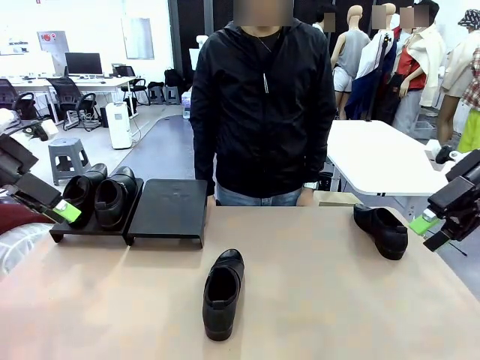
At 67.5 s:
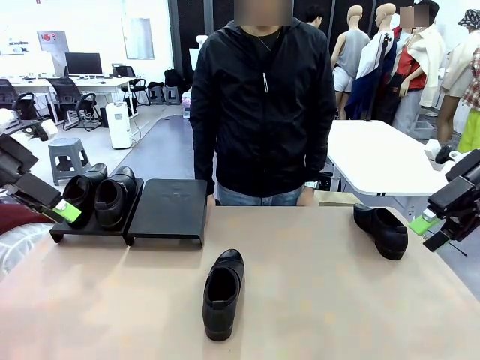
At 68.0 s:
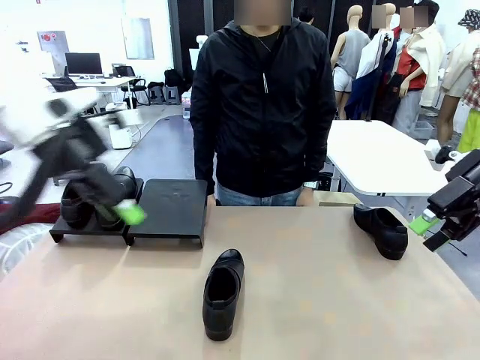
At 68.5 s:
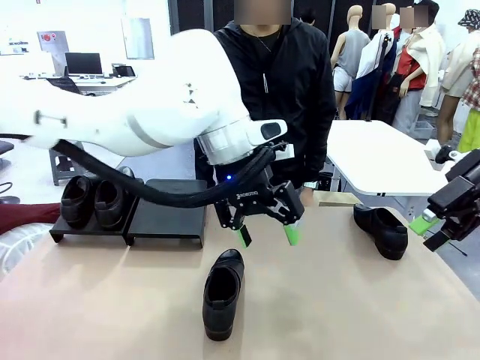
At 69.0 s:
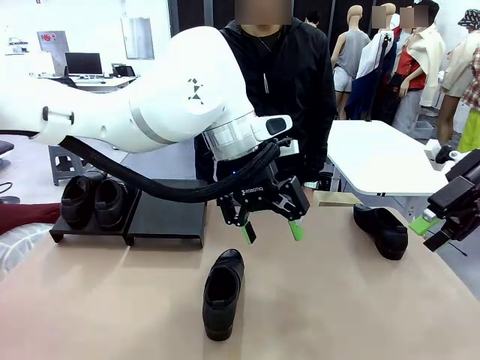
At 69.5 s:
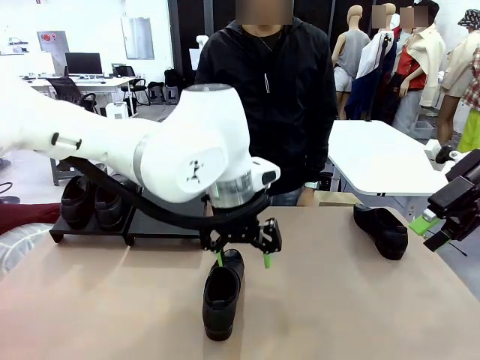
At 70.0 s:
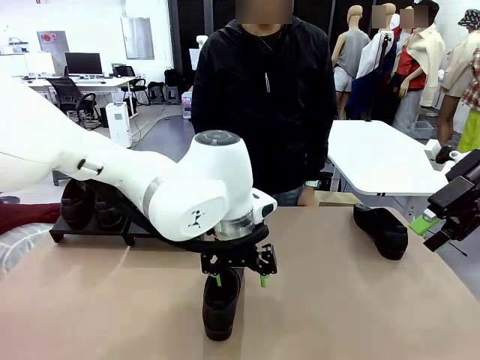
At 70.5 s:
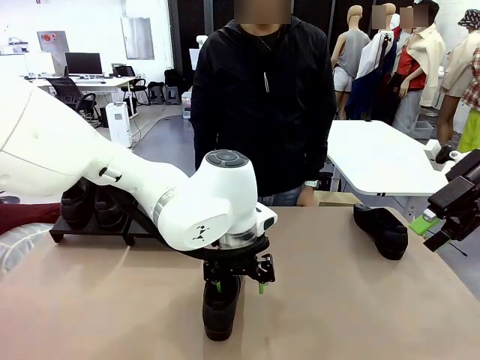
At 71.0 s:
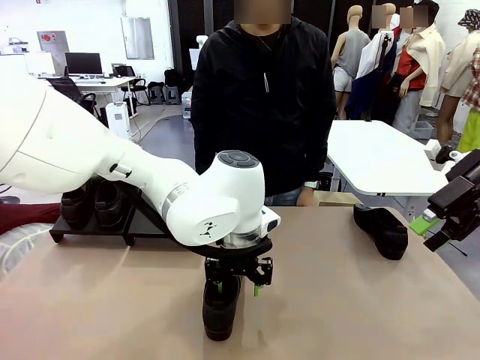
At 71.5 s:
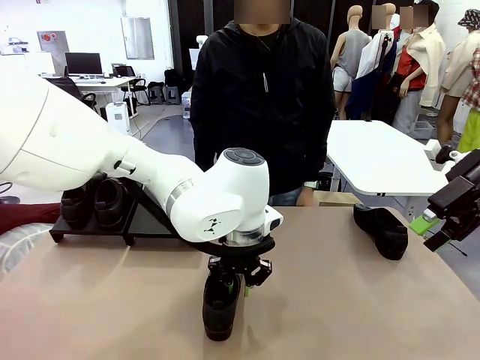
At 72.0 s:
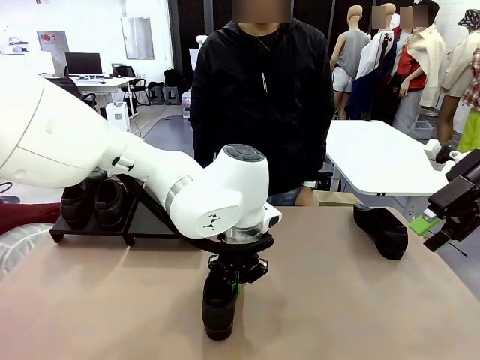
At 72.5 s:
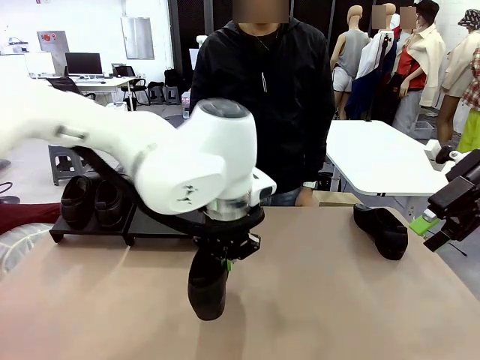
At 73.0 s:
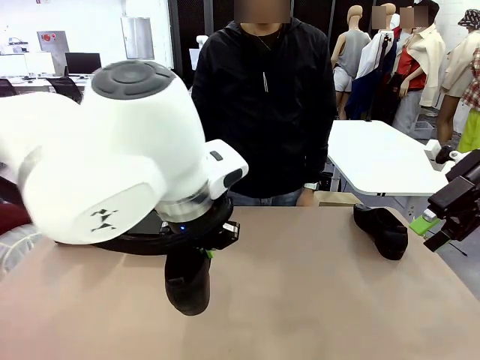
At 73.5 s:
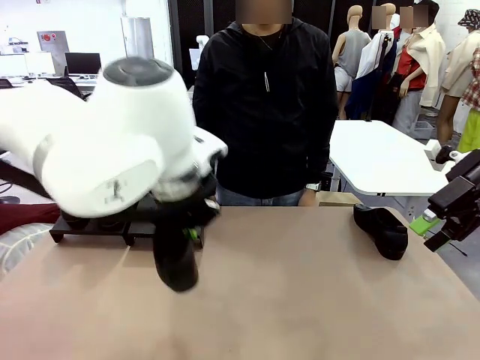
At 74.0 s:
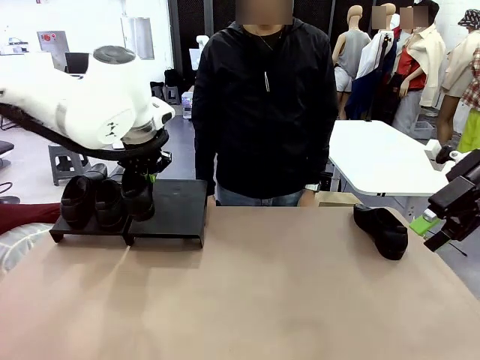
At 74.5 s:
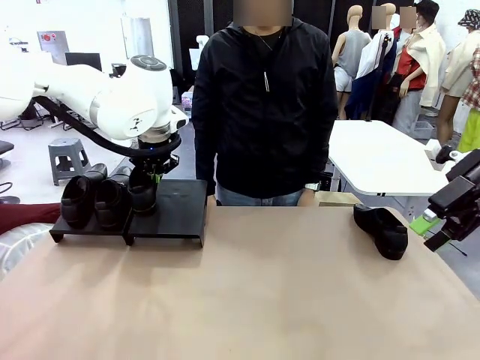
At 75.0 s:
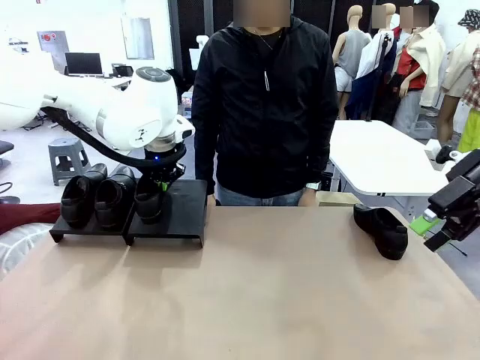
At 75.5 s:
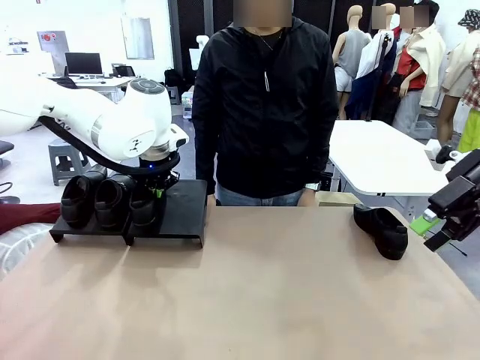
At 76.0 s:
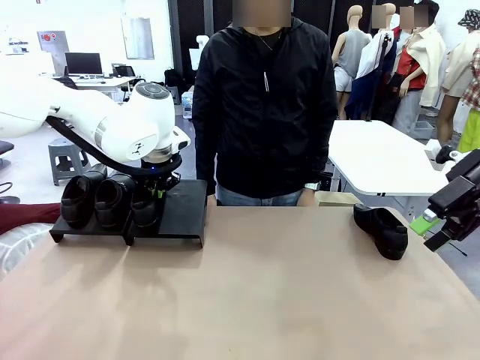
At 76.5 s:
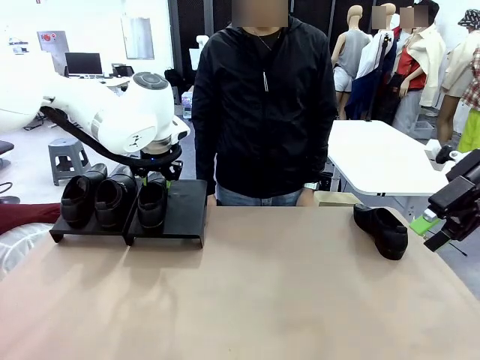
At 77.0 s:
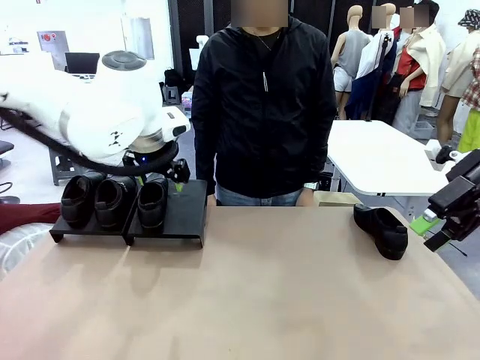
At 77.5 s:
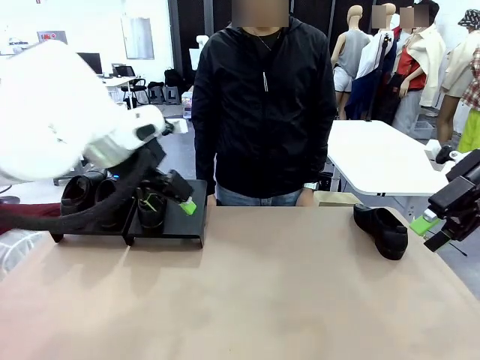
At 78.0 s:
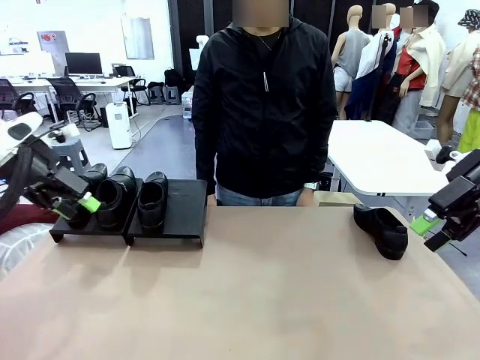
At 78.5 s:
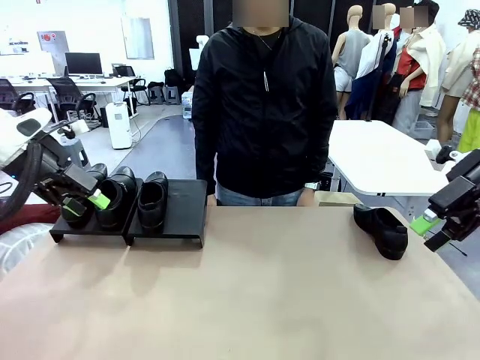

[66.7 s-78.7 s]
Task: Organize the shoes by placing them on the stand.
Robot: Place the Shoe from the middle of the table onto the Shoes Stand.

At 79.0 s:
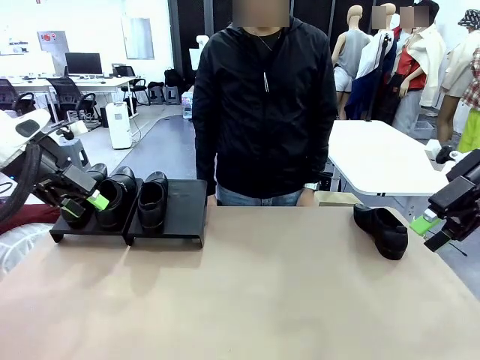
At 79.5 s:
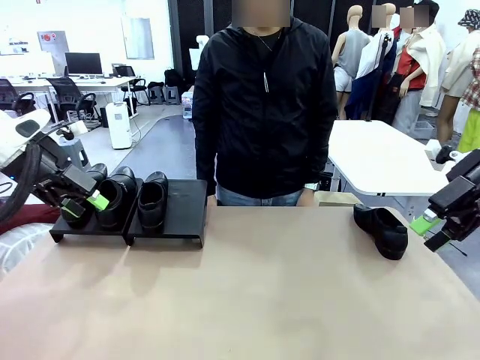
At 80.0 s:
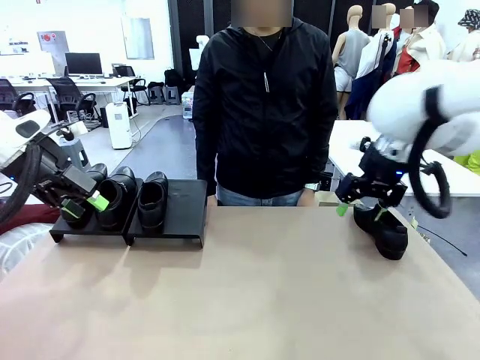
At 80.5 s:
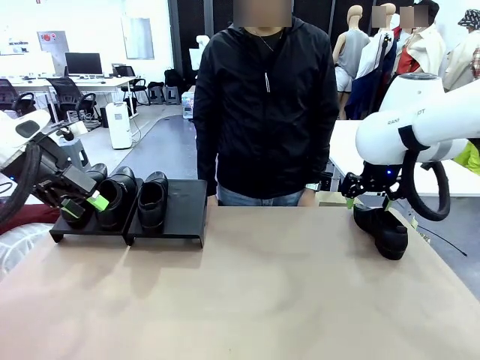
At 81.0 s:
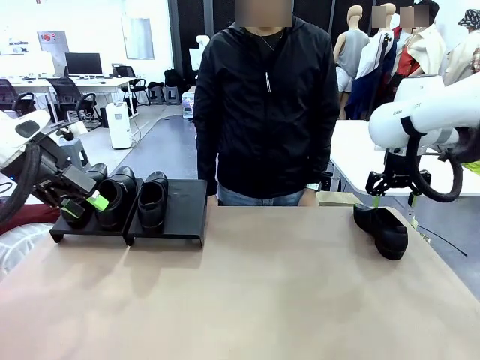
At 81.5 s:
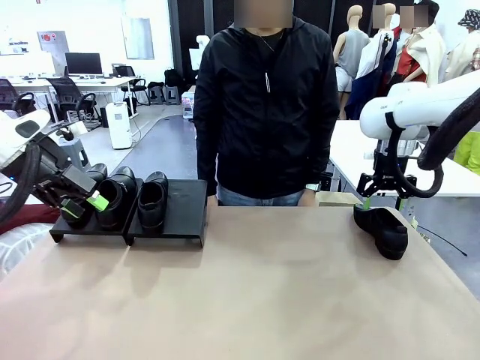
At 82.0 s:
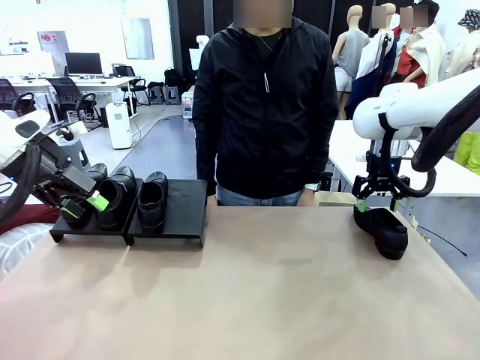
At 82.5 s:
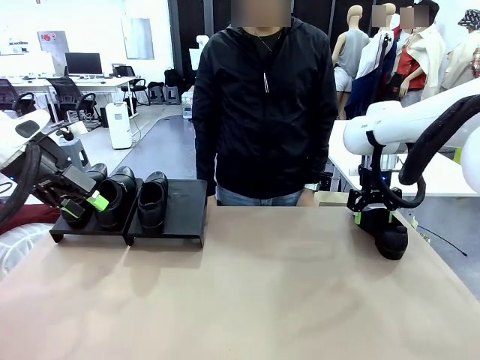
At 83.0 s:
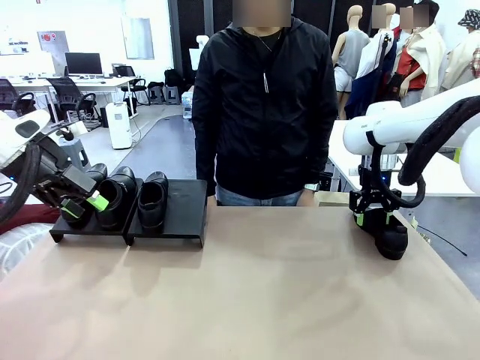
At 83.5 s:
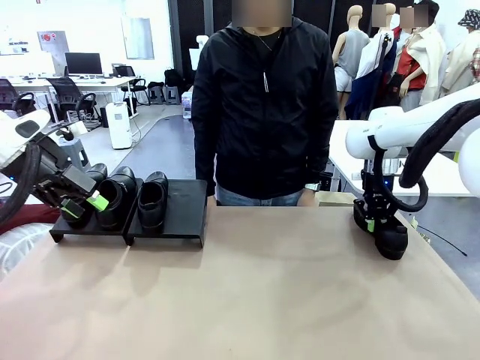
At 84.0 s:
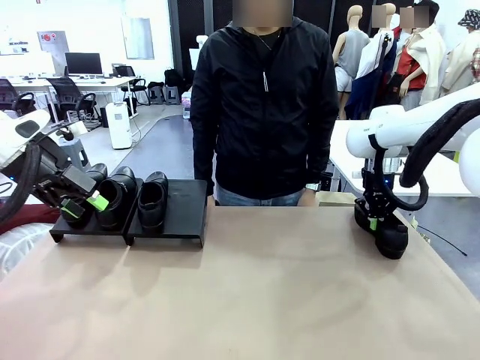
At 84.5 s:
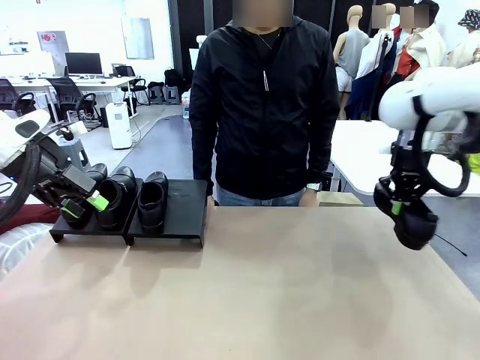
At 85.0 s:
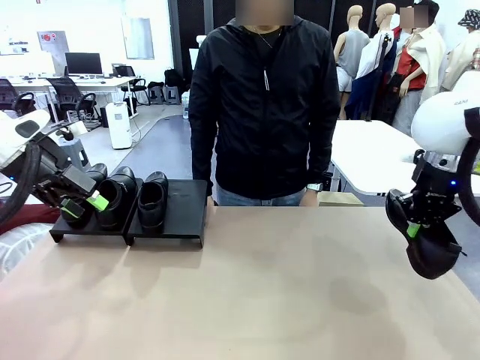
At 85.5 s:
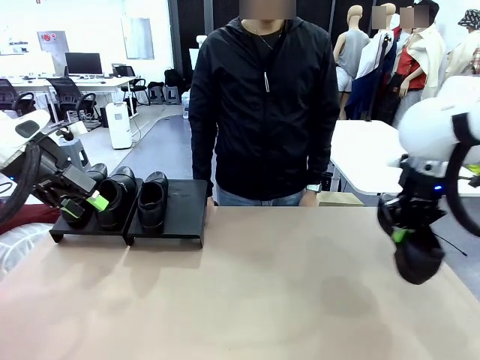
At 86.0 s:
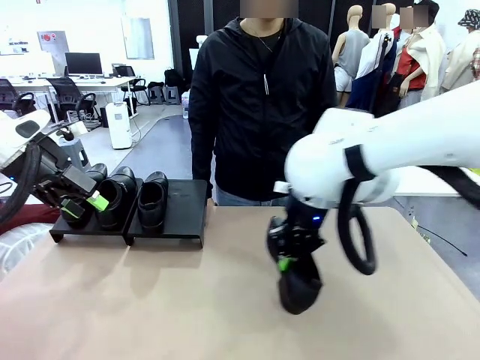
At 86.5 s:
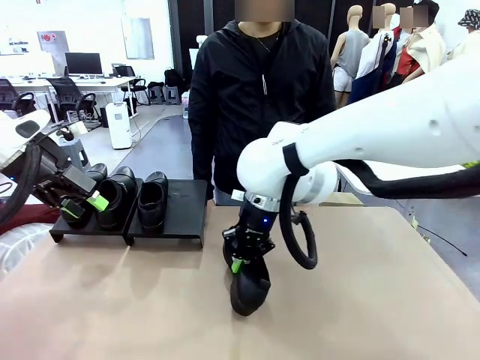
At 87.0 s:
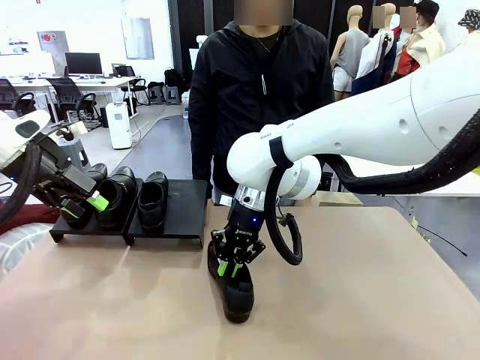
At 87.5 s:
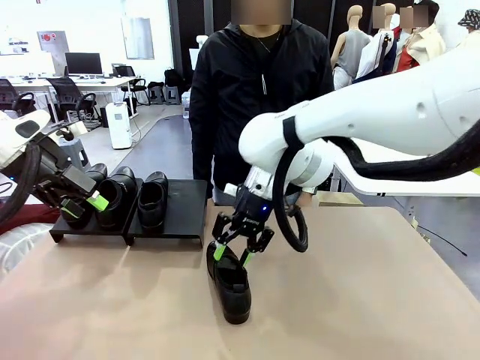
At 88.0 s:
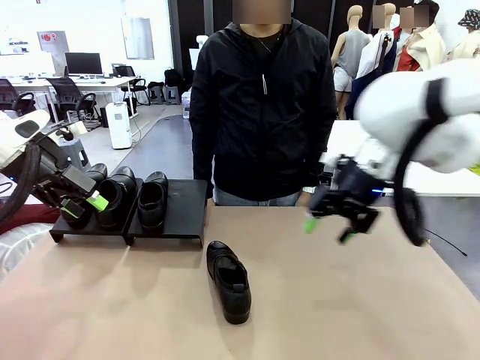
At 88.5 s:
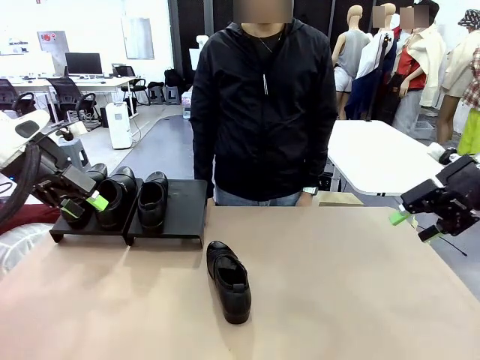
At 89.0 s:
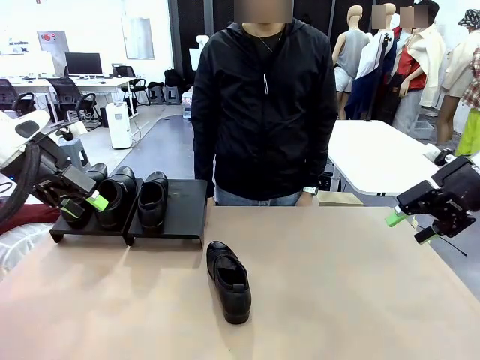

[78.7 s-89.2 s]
Robot: Pick up one Shoe and place it in the middle of the table.
